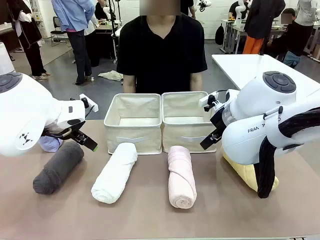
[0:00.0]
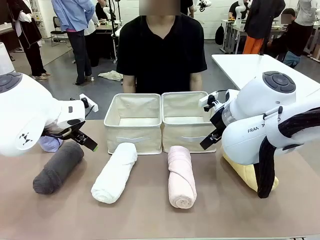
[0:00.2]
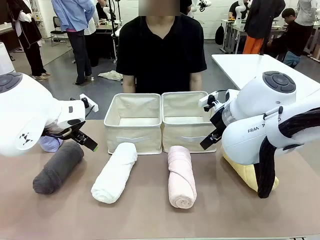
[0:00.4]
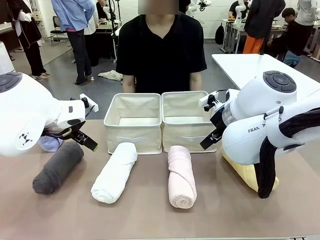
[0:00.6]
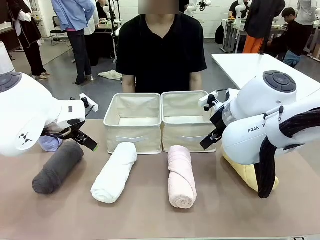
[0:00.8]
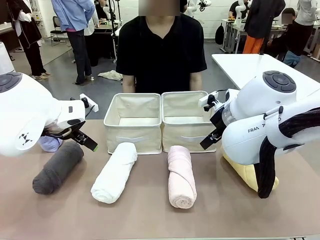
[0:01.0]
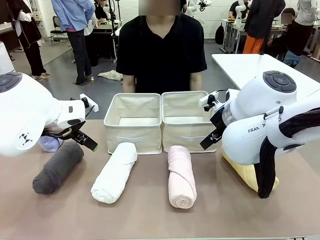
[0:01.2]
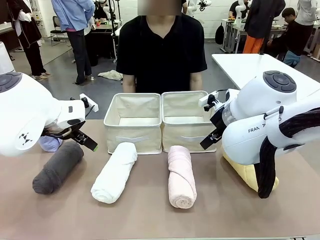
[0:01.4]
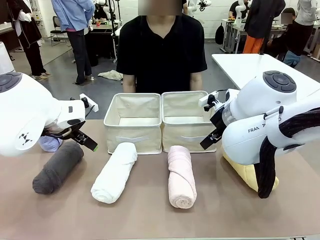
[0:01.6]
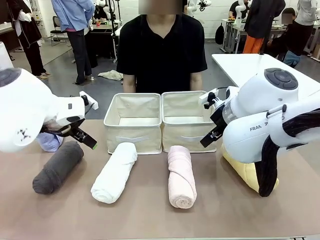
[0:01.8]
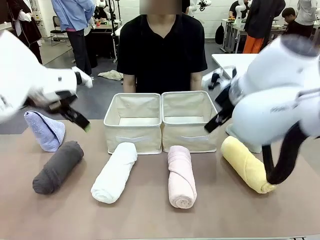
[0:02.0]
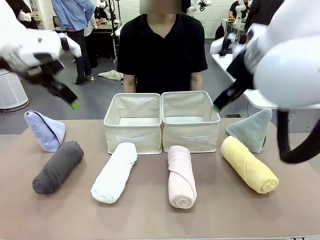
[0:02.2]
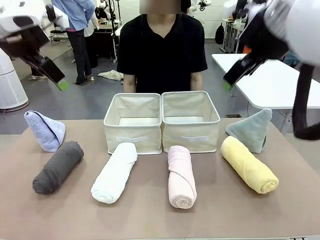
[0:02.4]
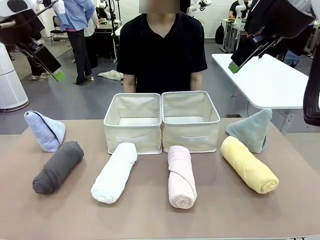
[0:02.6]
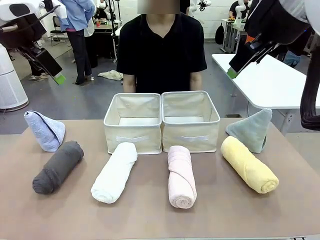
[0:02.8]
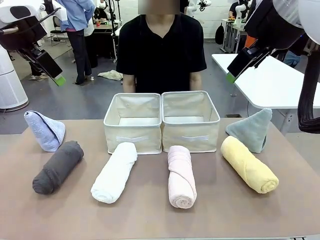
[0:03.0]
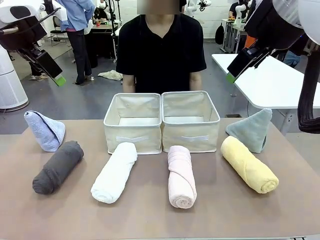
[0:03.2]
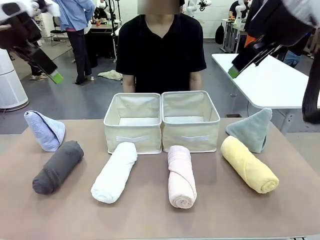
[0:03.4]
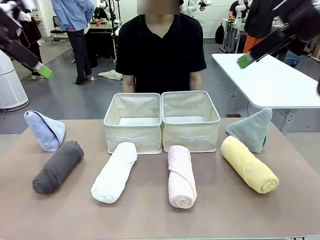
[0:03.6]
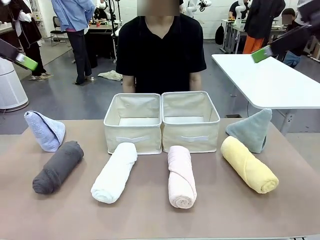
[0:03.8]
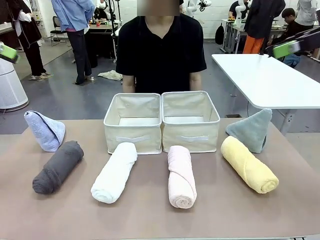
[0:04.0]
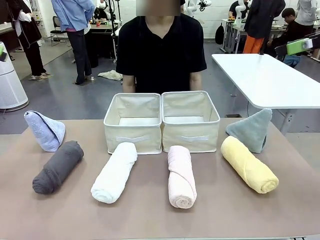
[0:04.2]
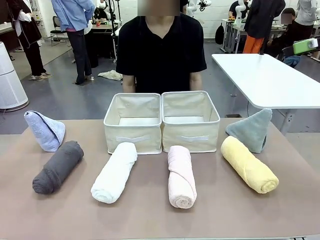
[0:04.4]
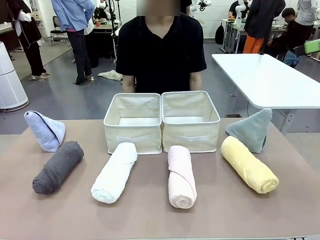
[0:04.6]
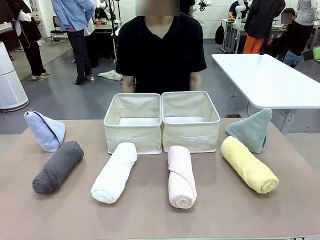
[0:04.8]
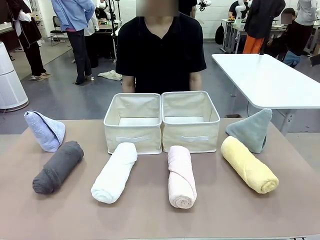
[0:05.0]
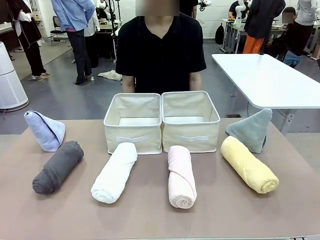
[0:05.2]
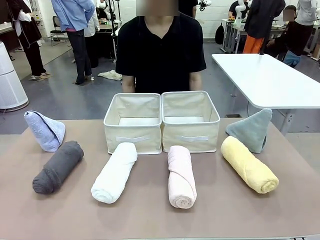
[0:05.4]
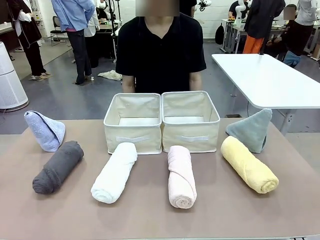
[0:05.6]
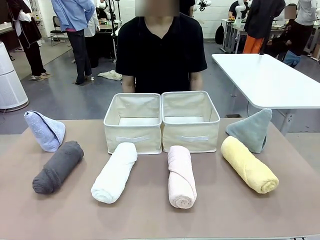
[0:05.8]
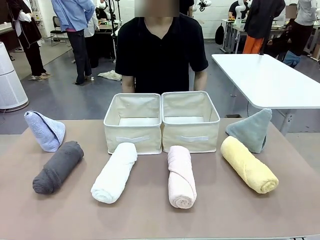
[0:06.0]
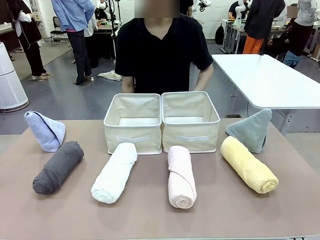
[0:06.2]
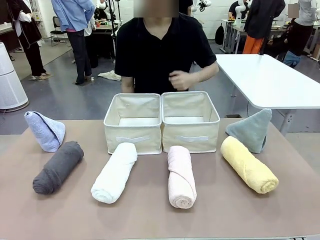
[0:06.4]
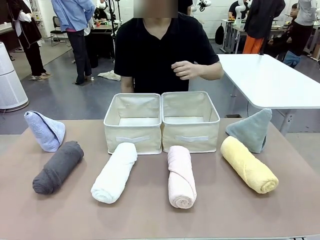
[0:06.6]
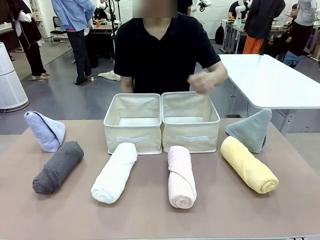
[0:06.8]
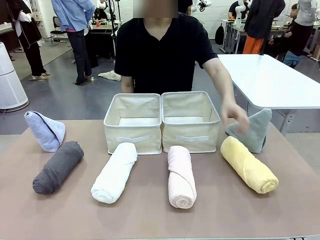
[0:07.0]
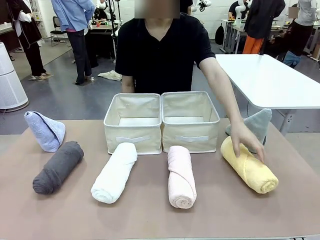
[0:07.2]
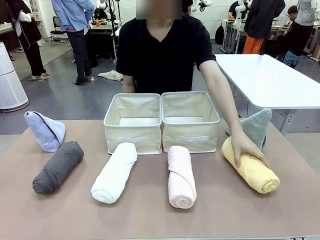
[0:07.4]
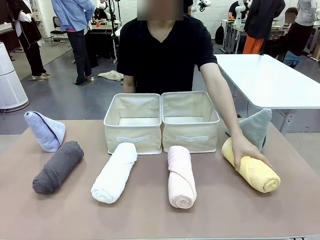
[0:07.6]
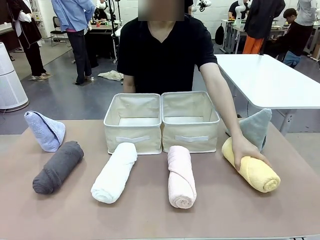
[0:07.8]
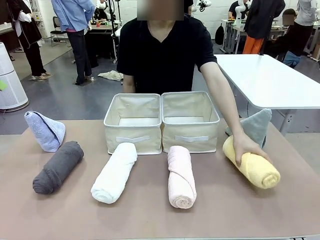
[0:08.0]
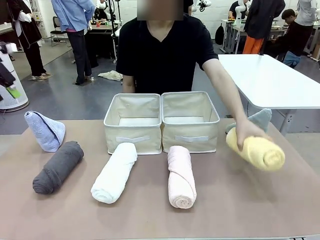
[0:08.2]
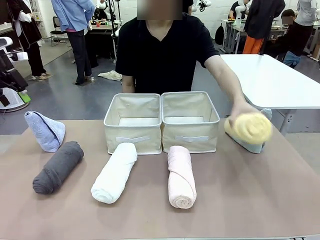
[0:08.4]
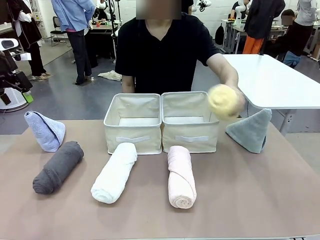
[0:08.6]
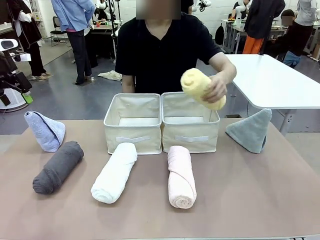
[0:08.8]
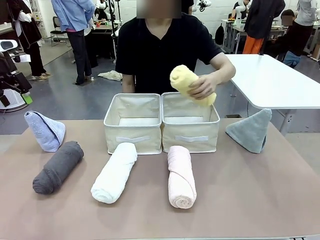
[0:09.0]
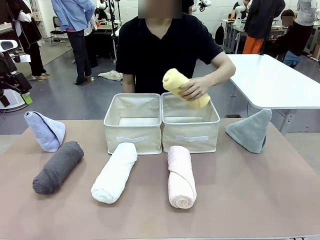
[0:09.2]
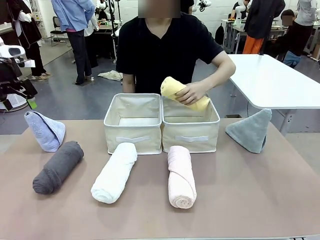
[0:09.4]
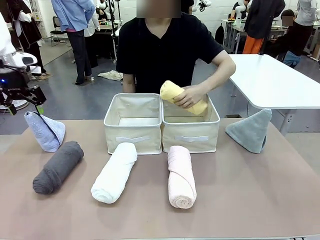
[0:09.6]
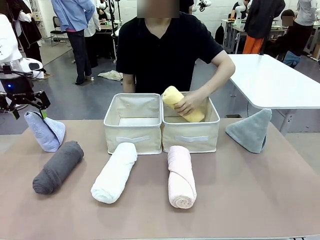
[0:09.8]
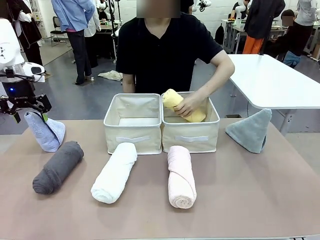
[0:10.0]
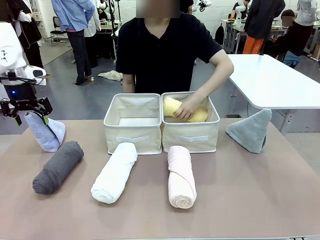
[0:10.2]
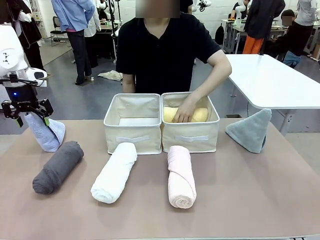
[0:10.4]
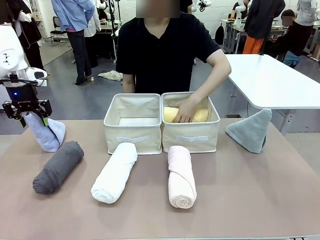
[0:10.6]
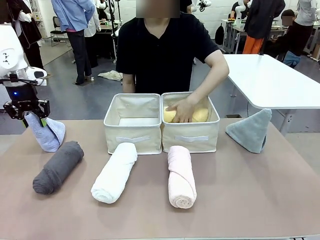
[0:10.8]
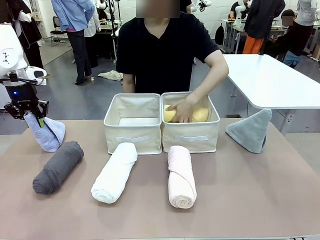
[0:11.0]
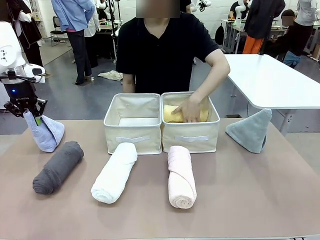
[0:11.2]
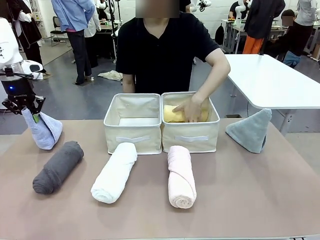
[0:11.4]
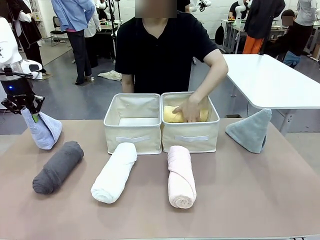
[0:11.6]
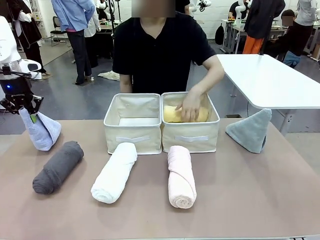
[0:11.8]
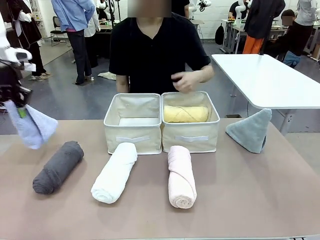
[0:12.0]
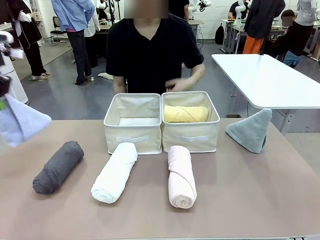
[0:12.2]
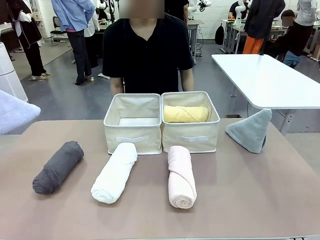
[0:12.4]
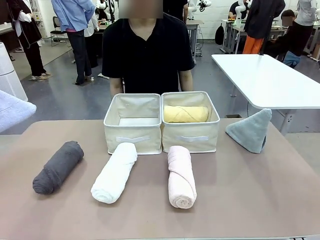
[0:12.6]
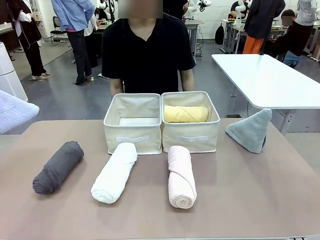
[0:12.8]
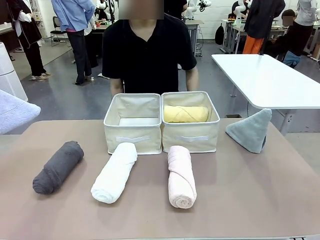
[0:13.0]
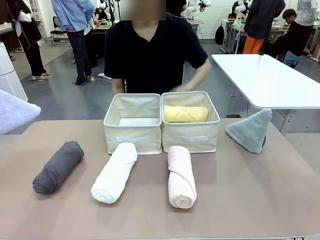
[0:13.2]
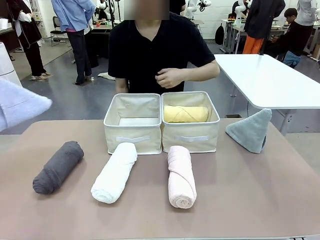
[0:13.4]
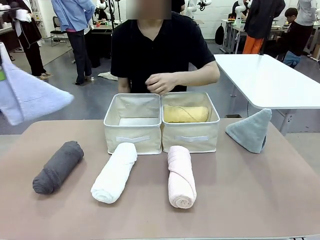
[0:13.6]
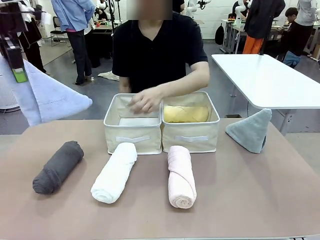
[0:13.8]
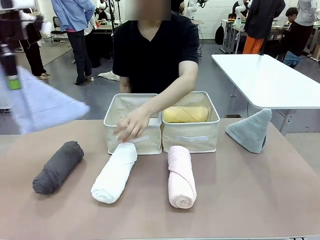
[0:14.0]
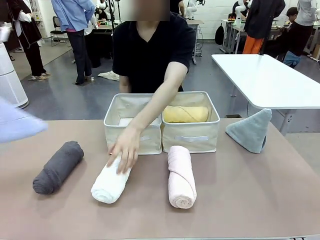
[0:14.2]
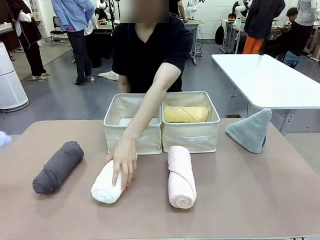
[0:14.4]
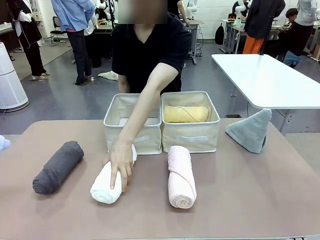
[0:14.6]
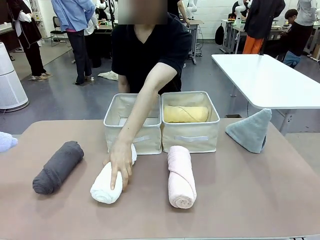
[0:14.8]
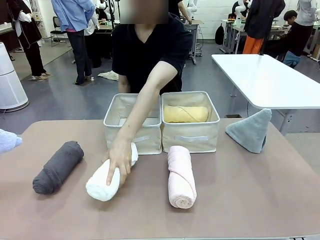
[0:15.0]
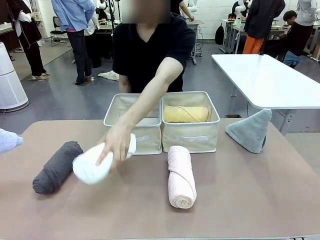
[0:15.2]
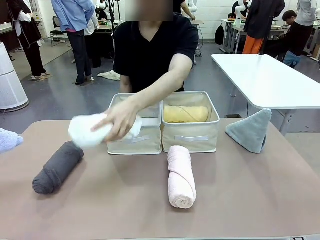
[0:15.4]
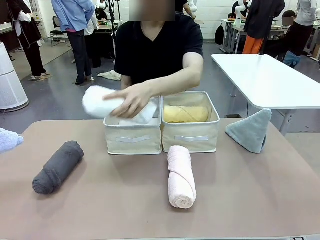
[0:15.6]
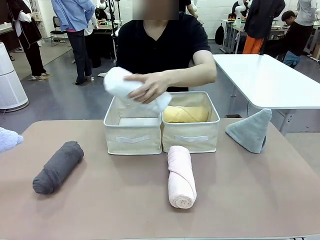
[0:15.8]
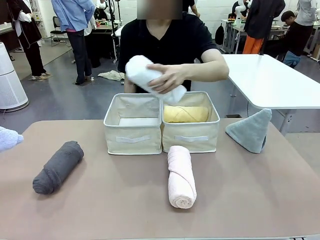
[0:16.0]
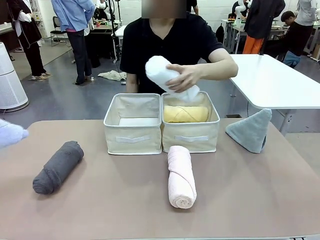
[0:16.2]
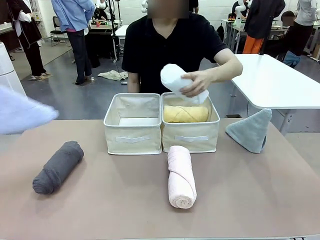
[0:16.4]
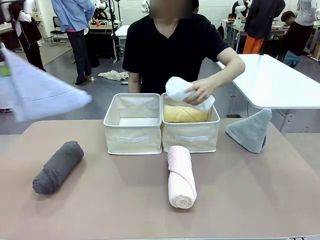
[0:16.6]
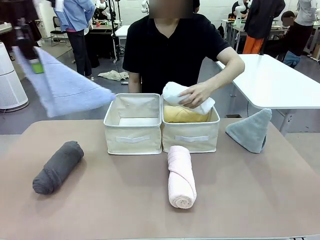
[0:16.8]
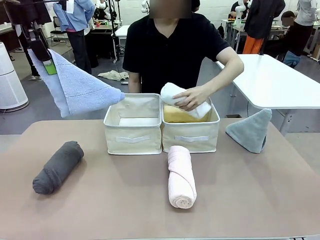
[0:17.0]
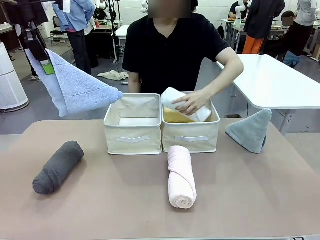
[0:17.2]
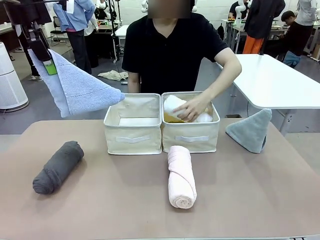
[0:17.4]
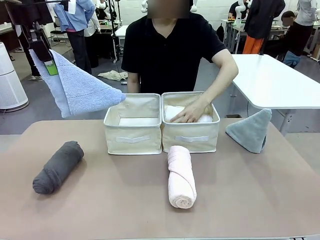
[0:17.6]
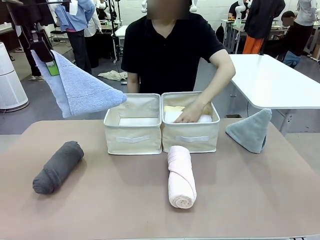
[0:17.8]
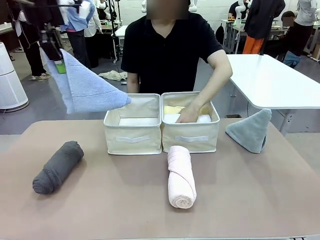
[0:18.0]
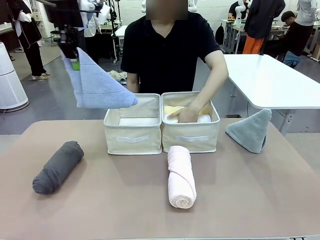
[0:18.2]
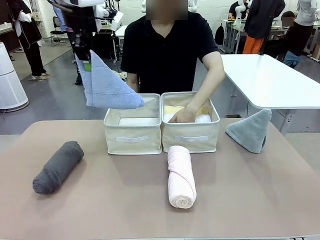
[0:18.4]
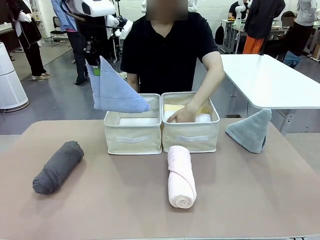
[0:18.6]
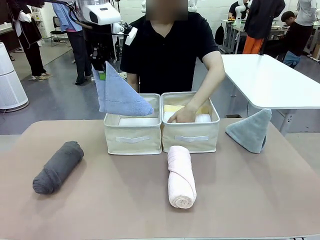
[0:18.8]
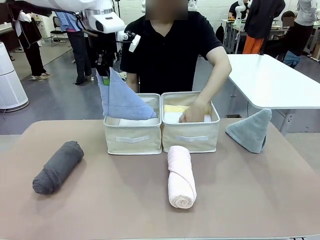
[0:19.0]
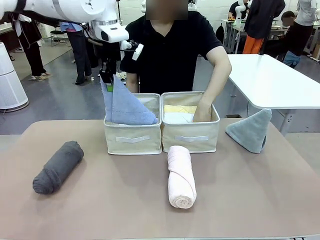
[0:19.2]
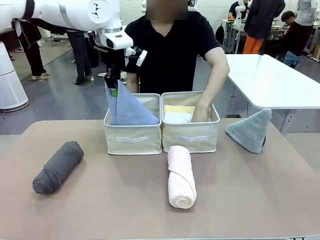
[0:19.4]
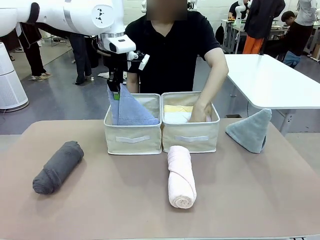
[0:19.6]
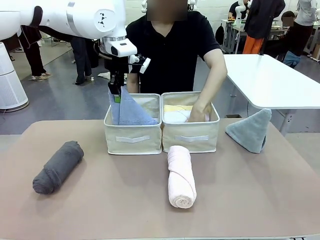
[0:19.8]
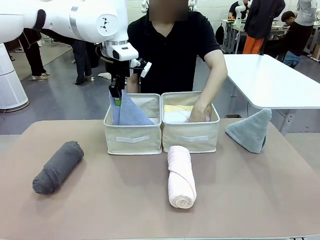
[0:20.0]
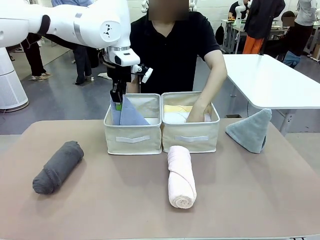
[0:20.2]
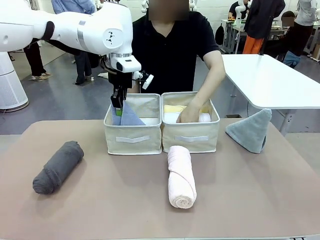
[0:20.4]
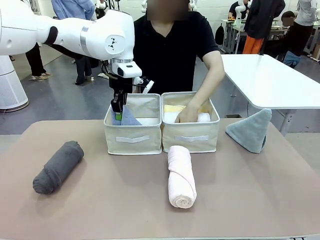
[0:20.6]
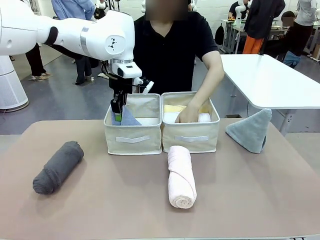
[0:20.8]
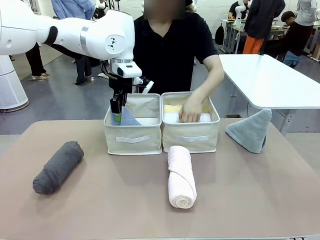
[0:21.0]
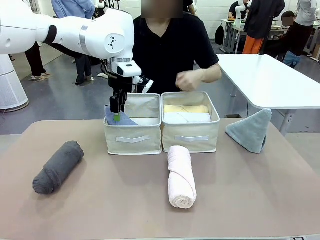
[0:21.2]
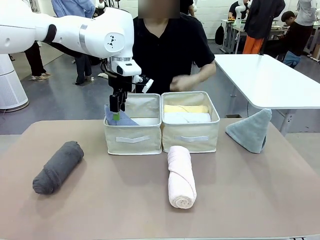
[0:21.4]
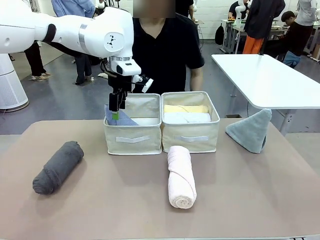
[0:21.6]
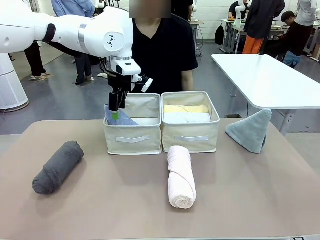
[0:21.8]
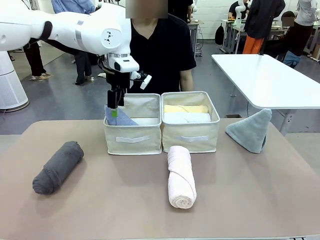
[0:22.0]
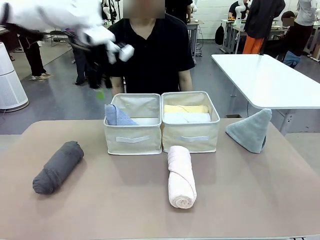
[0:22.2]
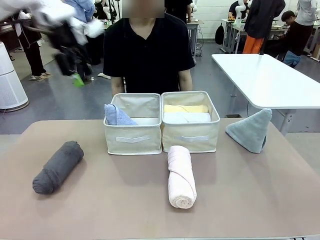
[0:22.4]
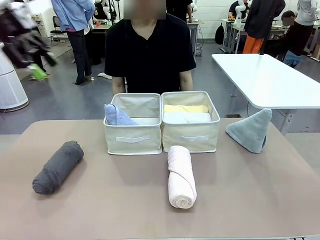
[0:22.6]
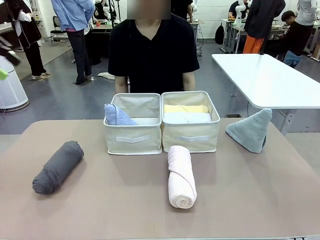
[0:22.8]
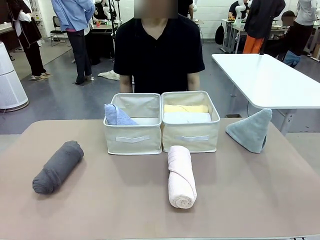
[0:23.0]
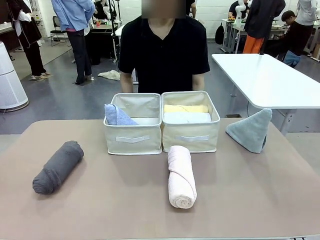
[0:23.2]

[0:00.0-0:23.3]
Task: Sort the towels based on their folding style.
Robot: Pick up one triangle-folded towel and place it in the left Fabric basket.
Person: Pick up one hotel-style rolled towel and place it in the left fabric basket.
